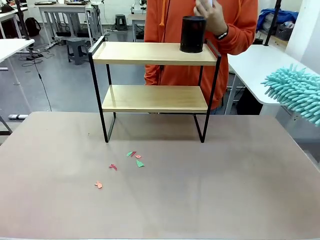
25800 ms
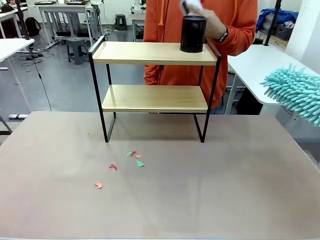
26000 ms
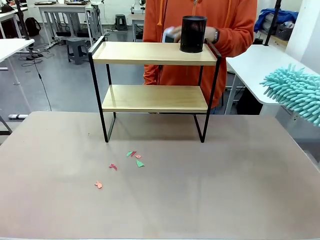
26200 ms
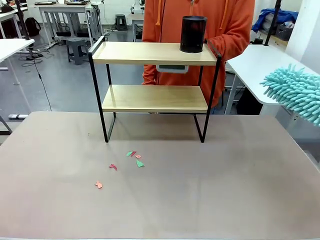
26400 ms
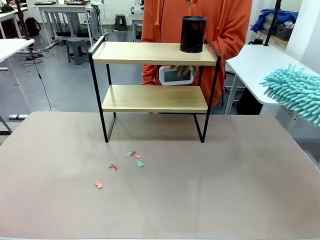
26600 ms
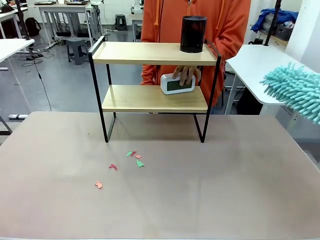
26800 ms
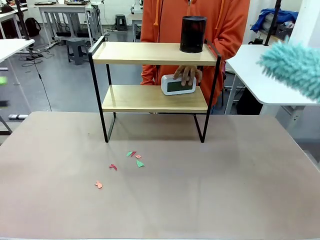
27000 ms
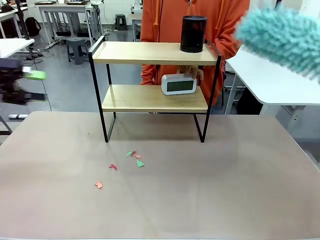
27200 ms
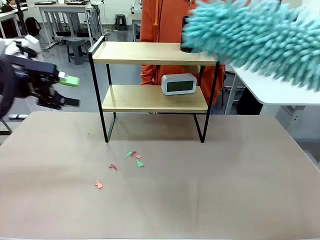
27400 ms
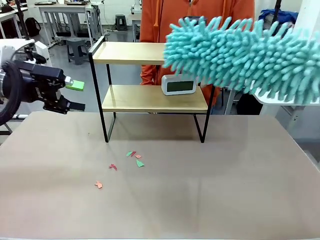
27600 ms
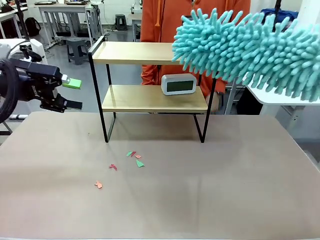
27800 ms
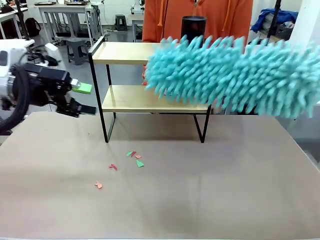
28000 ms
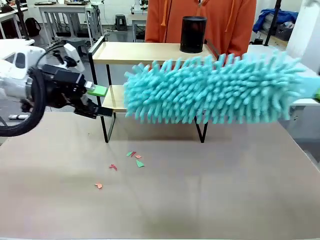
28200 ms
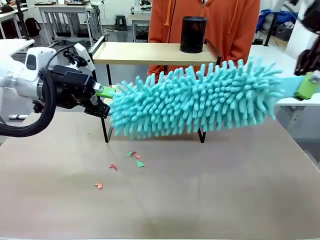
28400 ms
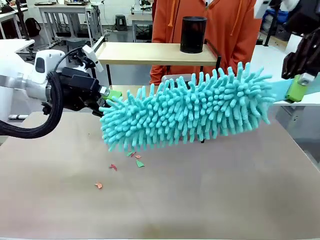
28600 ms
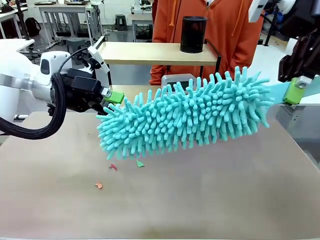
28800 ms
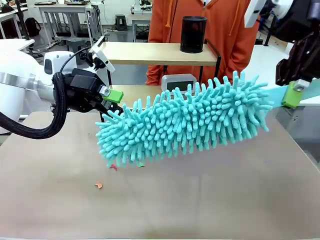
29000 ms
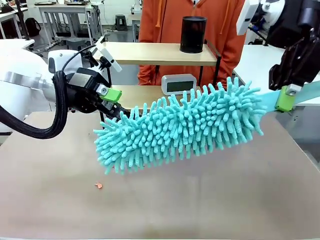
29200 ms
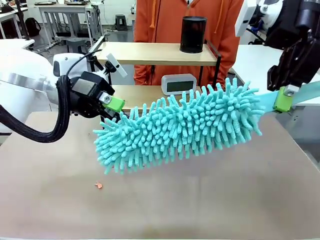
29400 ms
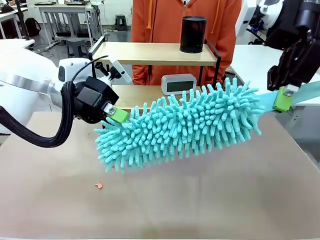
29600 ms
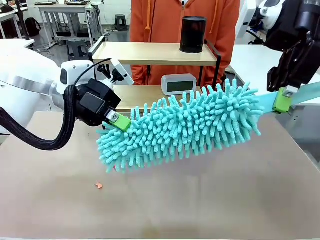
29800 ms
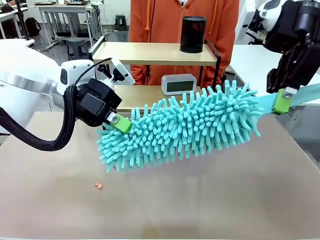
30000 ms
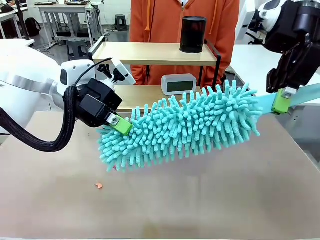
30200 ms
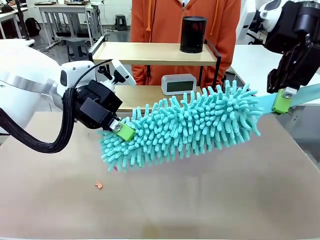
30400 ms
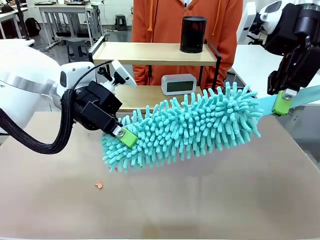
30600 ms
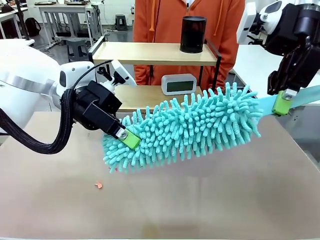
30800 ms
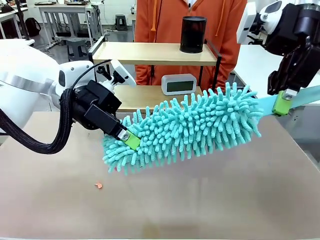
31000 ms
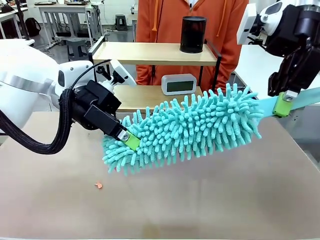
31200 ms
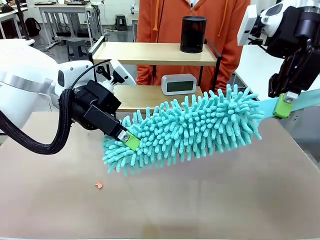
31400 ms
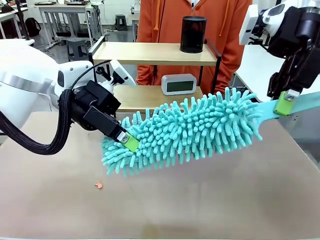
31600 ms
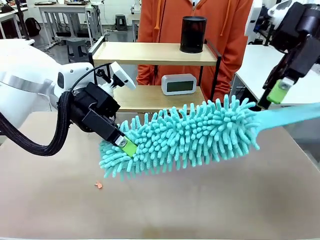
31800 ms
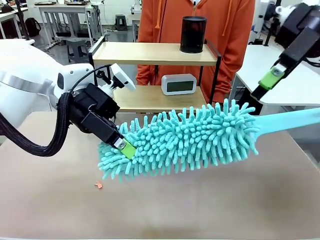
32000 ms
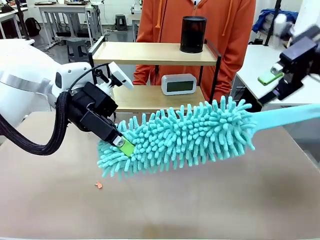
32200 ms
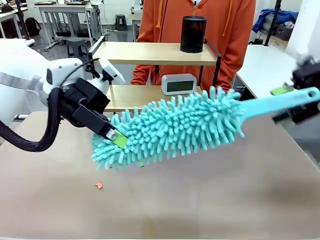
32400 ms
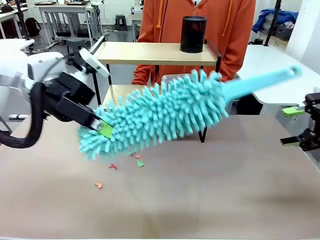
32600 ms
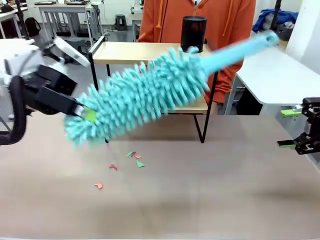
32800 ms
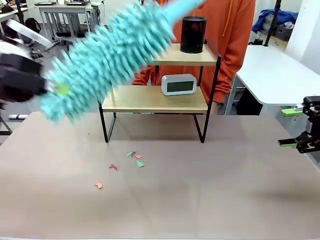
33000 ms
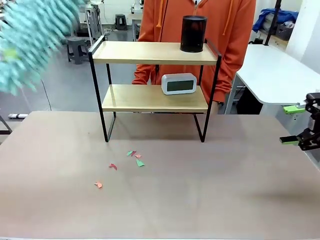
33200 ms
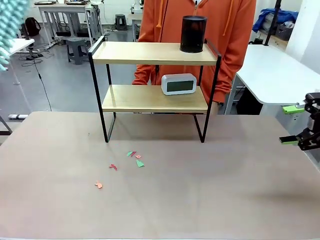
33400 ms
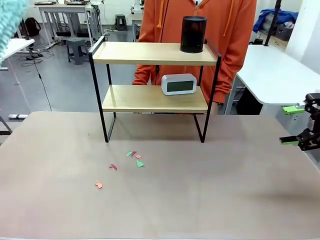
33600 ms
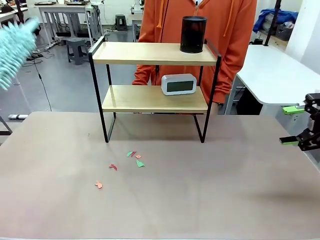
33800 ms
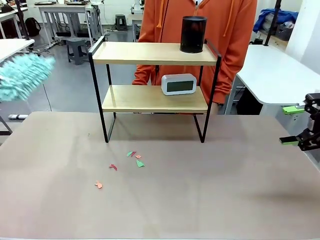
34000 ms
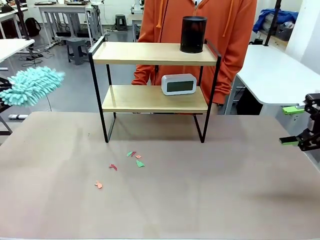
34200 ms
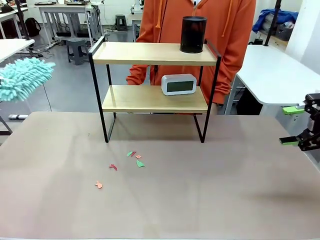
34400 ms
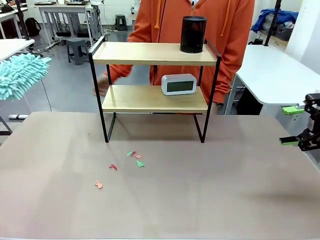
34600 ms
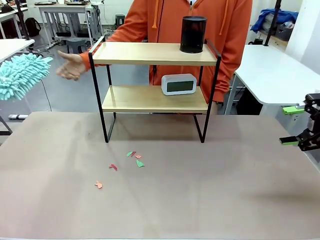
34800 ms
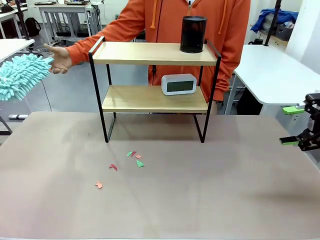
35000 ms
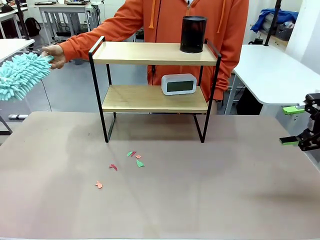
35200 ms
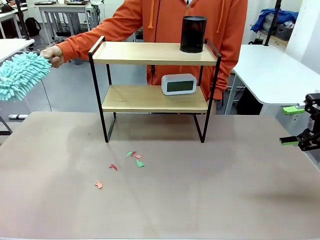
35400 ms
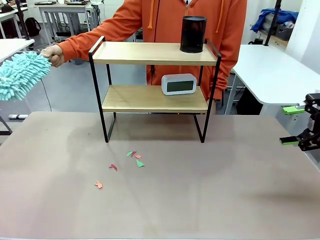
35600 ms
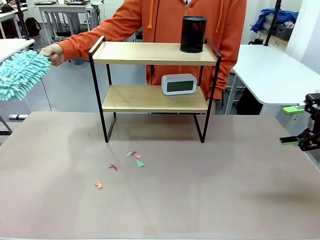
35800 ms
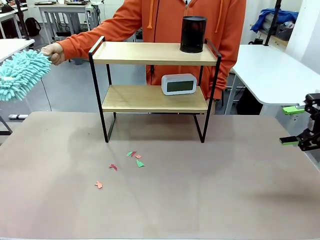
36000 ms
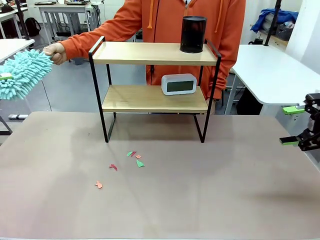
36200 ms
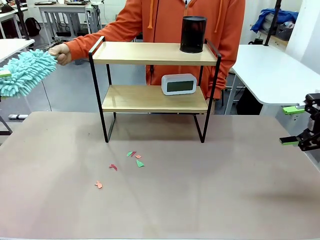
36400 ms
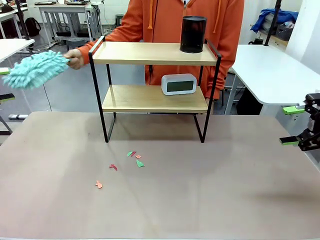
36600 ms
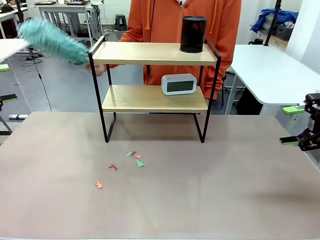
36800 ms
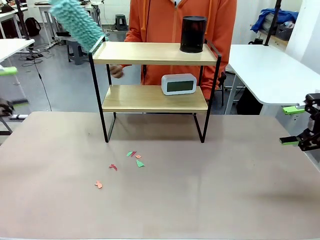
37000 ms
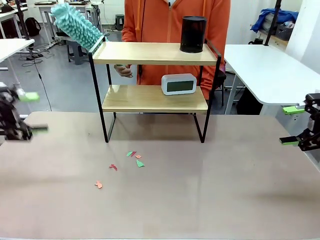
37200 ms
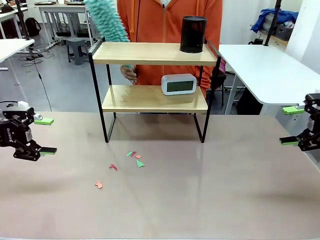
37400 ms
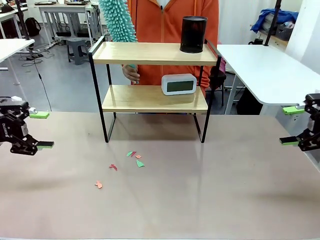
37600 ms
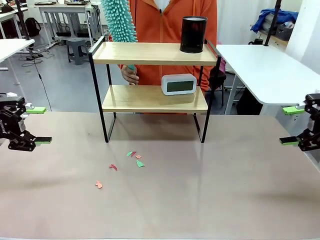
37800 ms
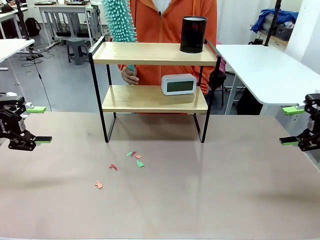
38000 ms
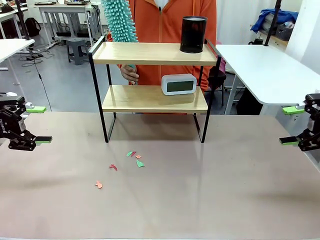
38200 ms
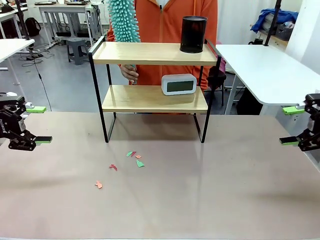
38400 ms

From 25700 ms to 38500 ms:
Task: Clean the shelf.
Robot: Hand the Duster back to the human.
Person: Receive the Duster from the robot.

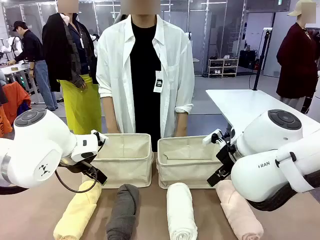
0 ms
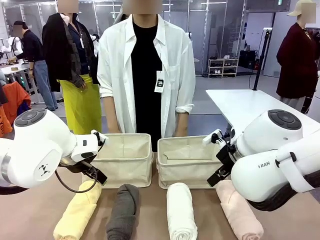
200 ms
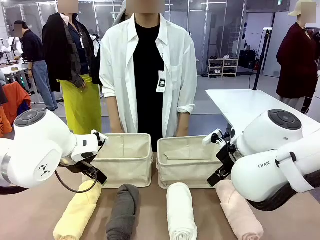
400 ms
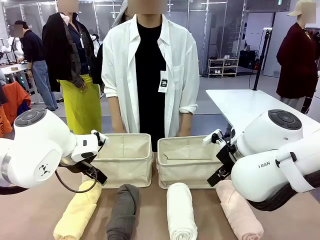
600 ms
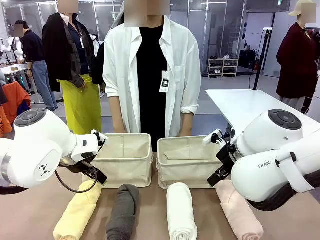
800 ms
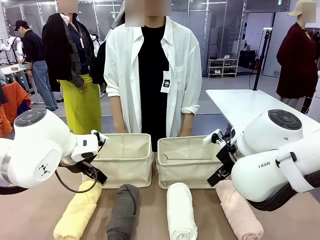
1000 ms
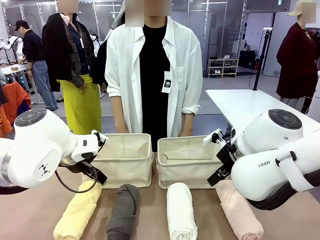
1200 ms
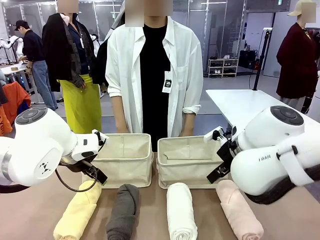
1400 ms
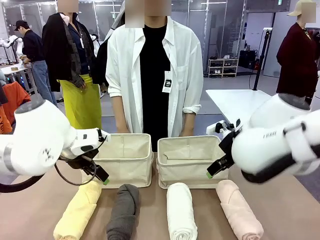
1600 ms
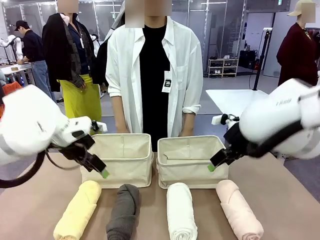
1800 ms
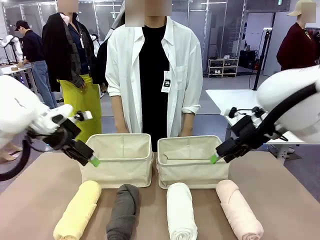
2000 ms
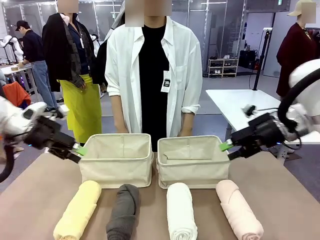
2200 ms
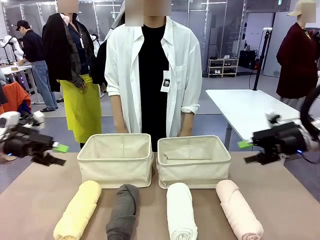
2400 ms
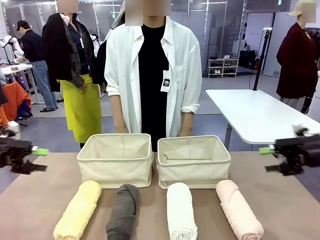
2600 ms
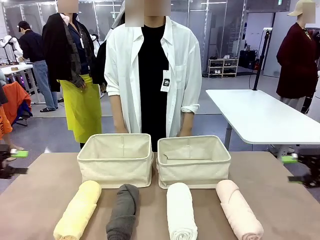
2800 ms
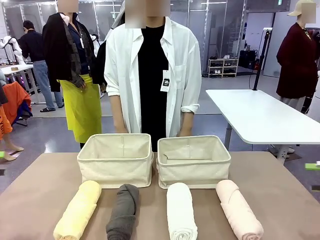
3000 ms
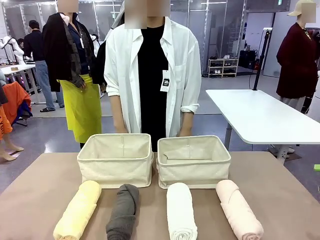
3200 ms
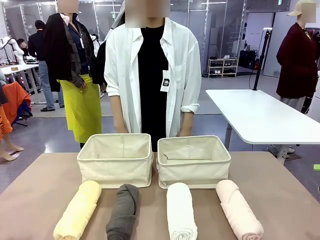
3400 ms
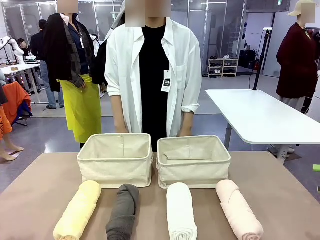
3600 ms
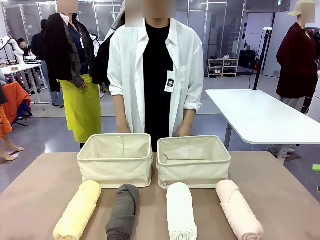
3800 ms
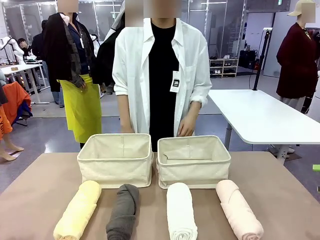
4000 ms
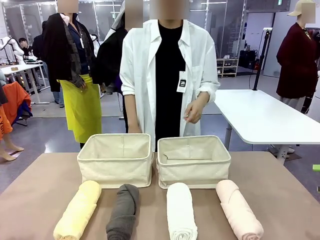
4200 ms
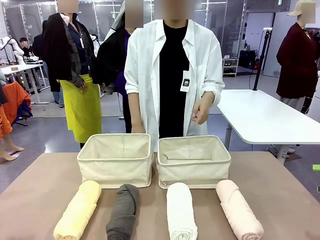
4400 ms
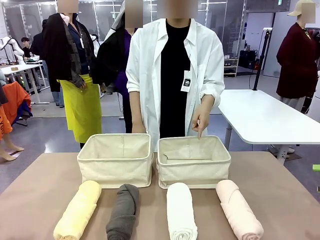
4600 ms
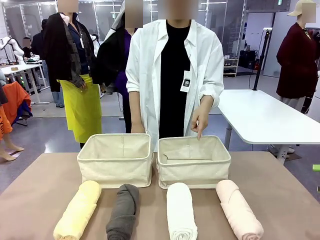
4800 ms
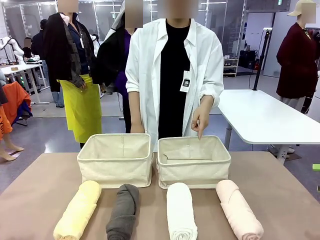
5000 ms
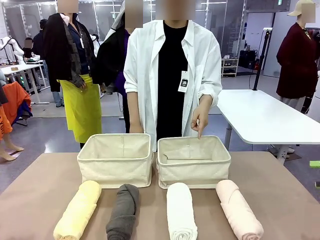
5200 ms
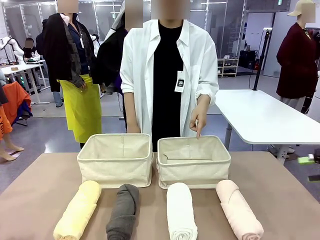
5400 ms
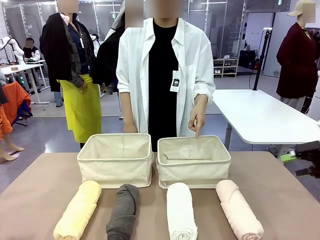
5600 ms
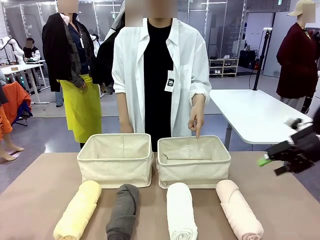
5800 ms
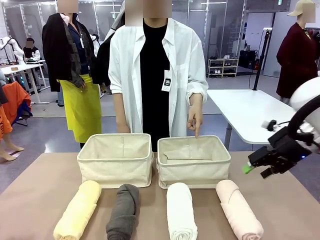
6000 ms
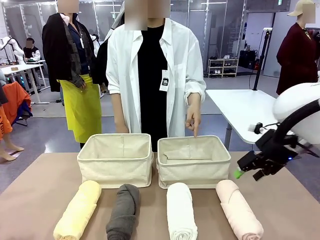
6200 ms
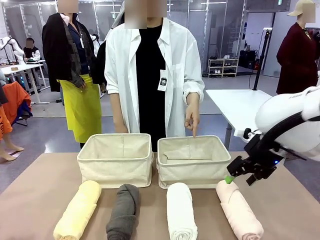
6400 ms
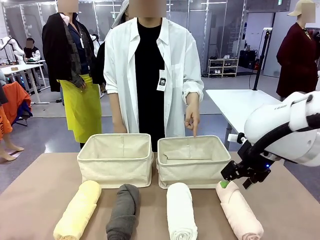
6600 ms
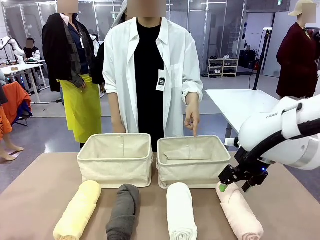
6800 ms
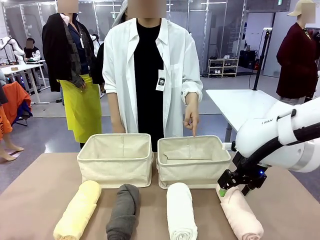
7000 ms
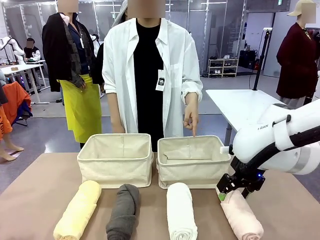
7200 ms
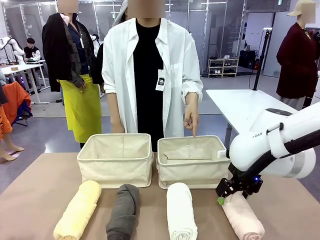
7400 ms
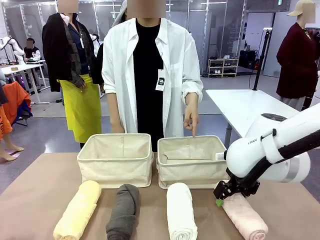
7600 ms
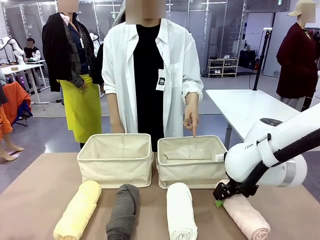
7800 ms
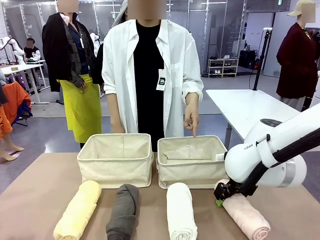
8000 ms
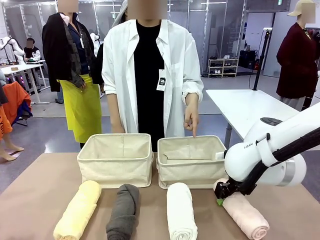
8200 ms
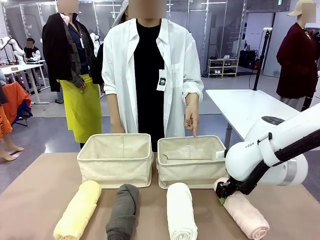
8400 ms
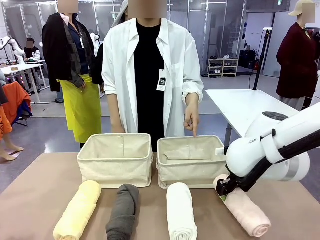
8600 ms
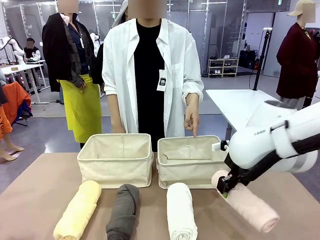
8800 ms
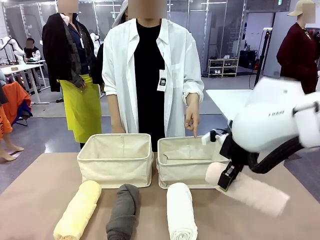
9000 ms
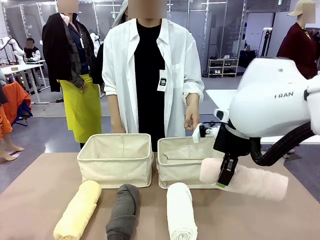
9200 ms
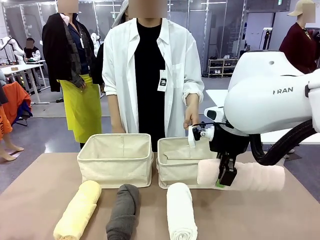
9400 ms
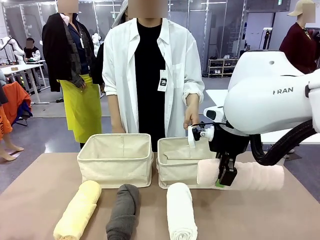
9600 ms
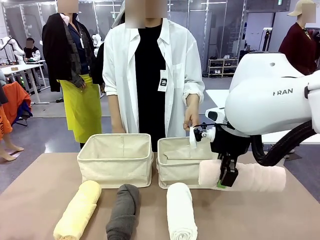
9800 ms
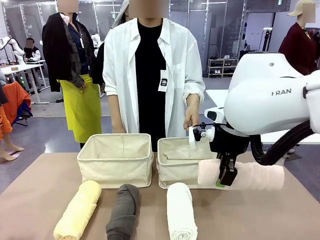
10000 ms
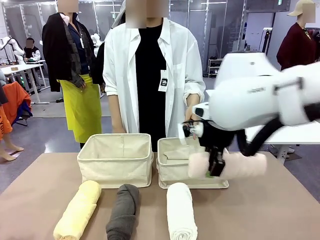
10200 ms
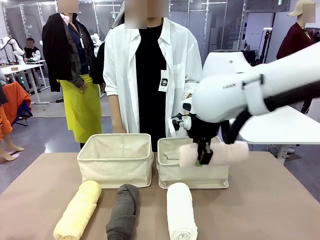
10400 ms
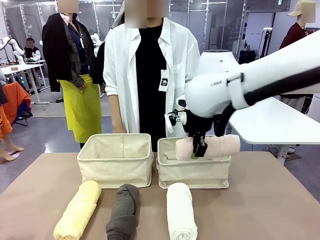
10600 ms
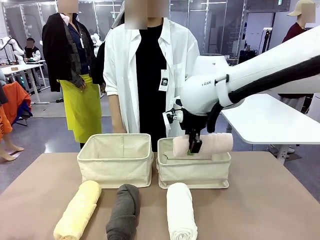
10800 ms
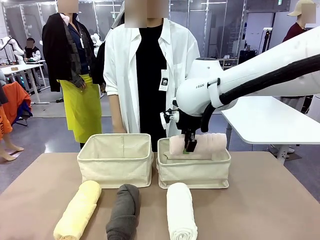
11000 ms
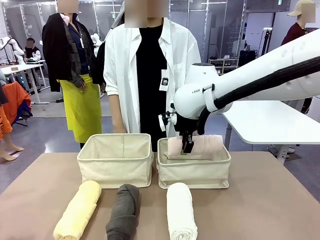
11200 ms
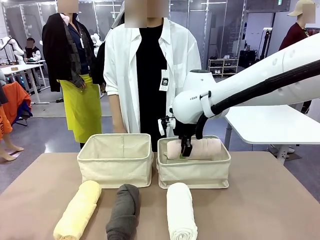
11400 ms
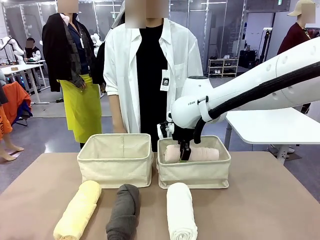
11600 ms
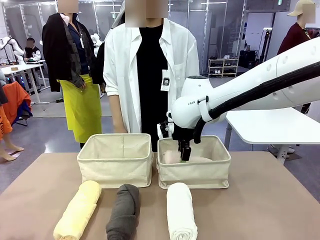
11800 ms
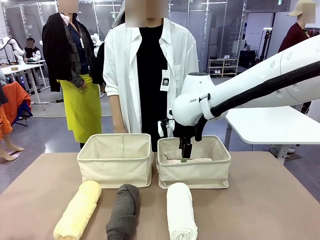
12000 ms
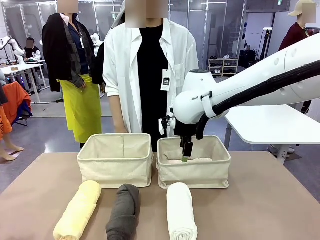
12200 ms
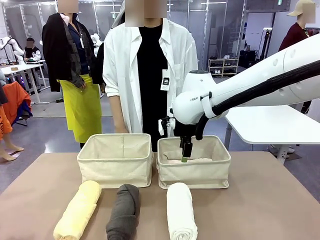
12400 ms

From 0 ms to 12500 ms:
Task: Divide the towels into two baskets.
Robot: Pick up one hotel-folded towel and place it in the Fabric basket indicated by the person.
